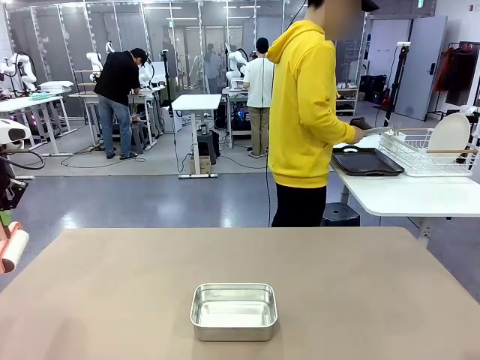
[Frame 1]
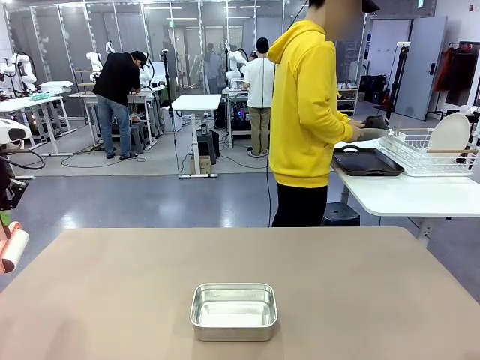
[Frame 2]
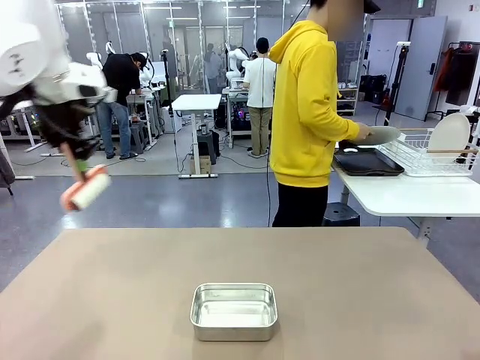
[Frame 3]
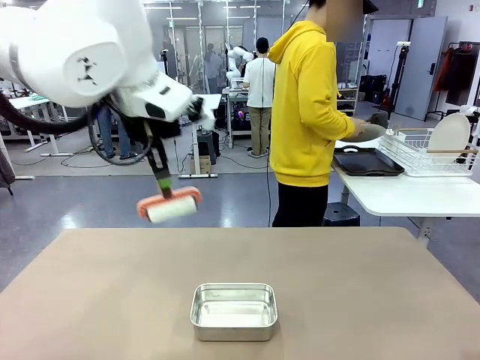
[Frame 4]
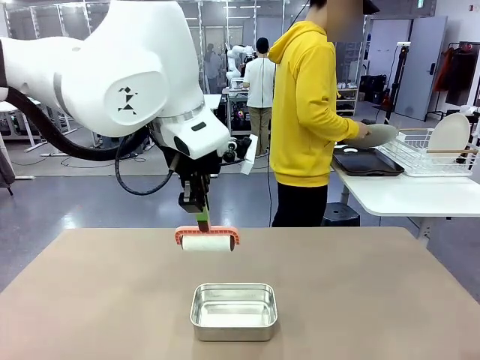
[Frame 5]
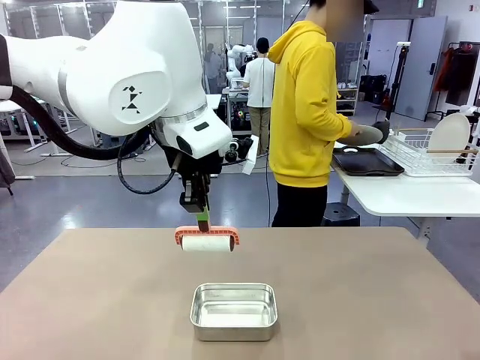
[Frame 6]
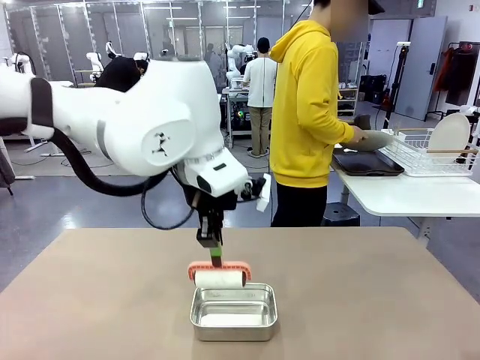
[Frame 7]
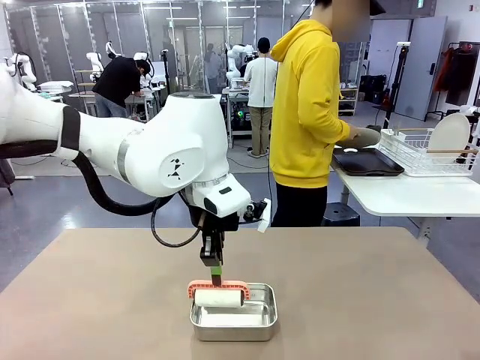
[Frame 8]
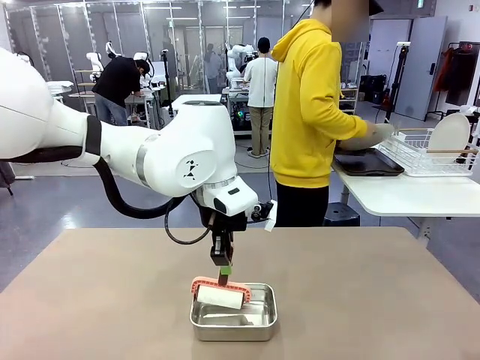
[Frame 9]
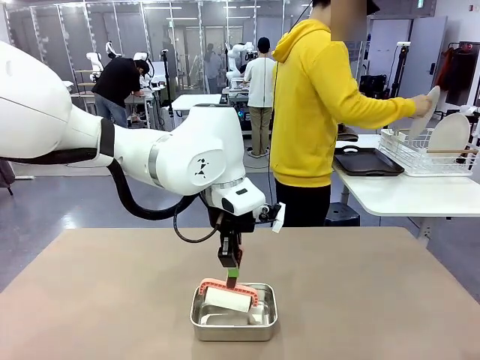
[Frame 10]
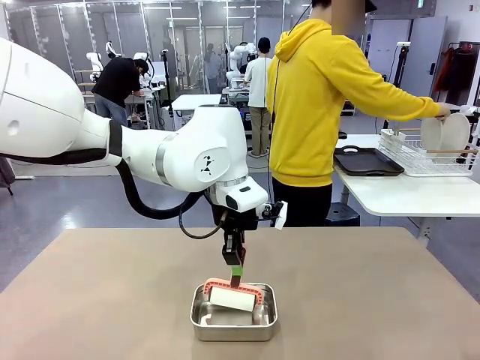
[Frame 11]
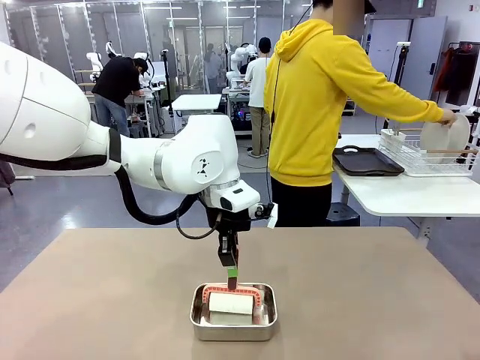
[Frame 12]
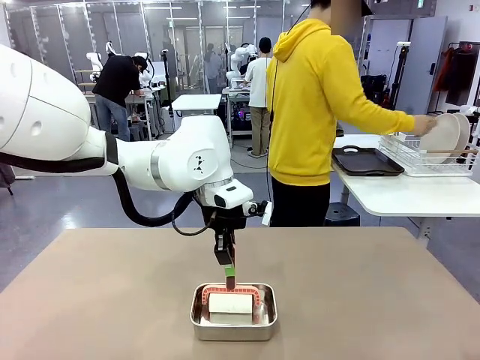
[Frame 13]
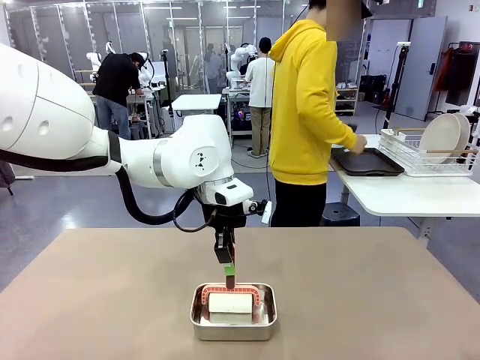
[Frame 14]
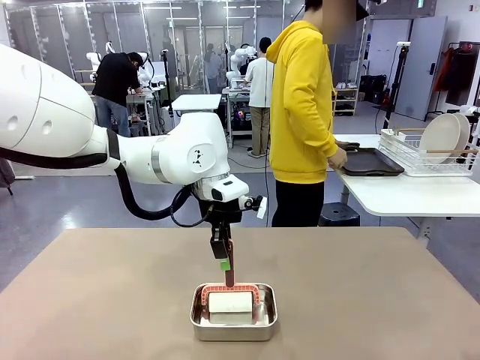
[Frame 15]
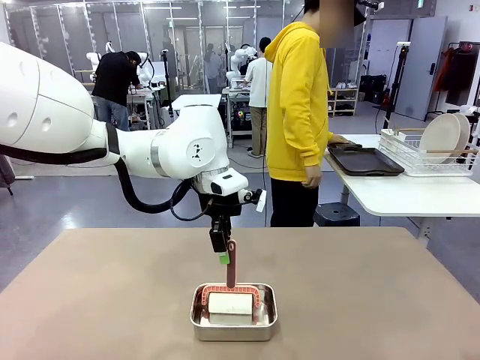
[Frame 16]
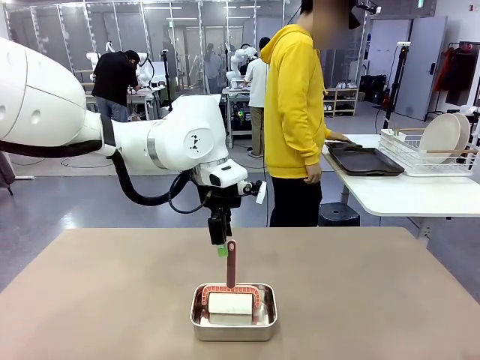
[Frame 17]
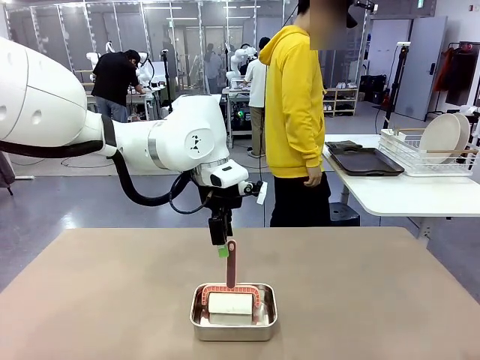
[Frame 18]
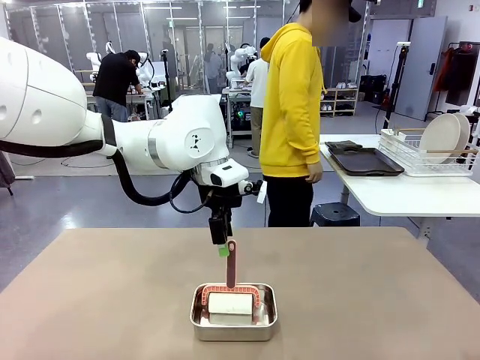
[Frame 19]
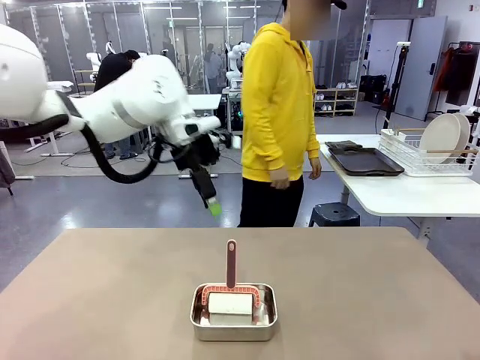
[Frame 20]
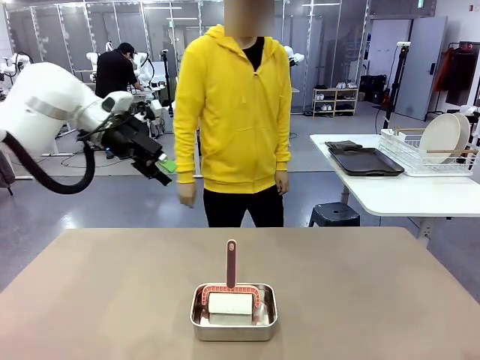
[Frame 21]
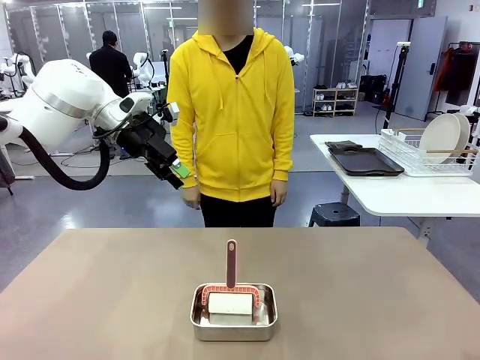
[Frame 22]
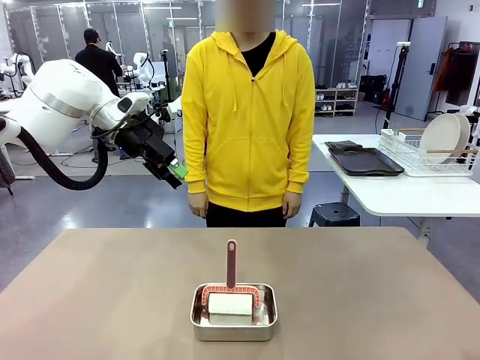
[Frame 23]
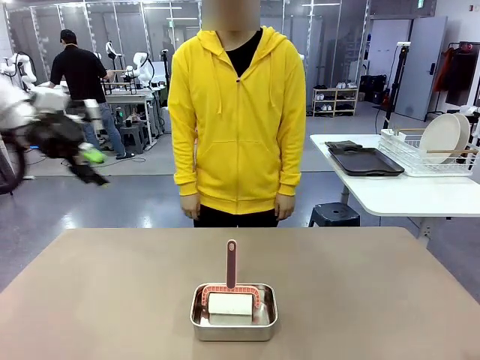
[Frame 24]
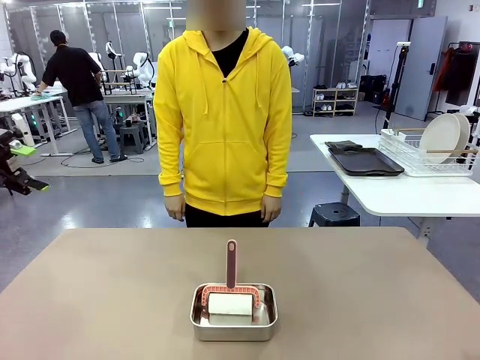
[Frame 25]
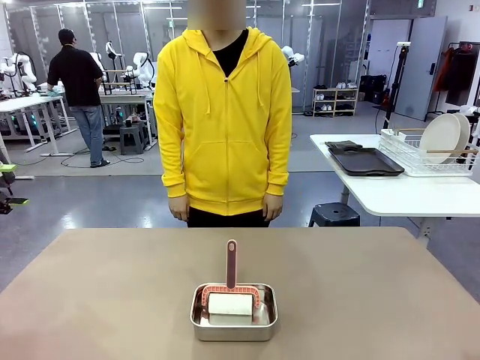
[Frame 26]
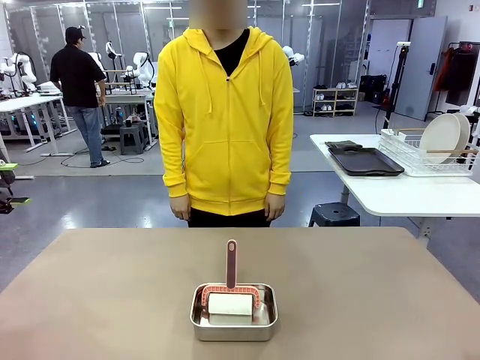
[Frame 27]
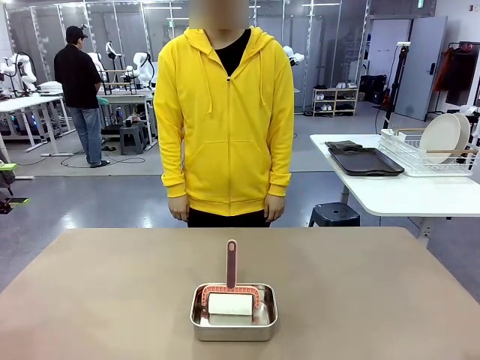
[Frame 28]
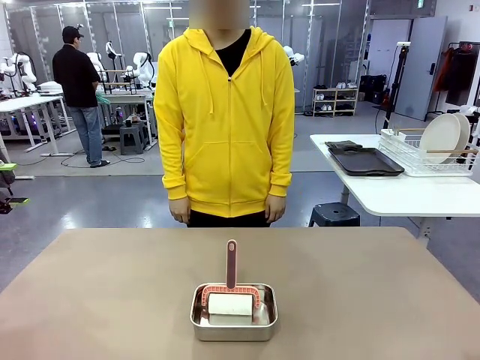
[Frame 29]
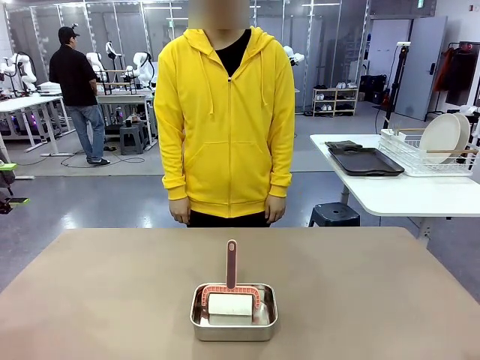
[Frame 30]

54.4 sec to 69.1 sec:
Robot: Place the Lint Roller back on top of the Airtight Container.
Person: Use the Towel with hook to wipe the Plastic Matte Plate , Fork , and Knife and place into the Dish drying rack.

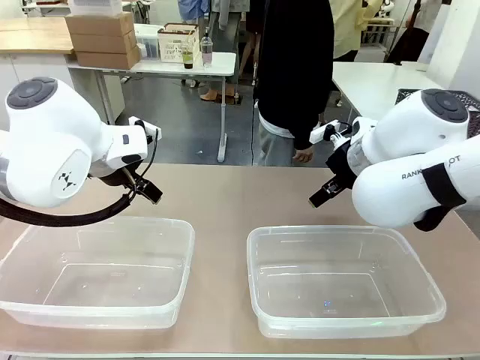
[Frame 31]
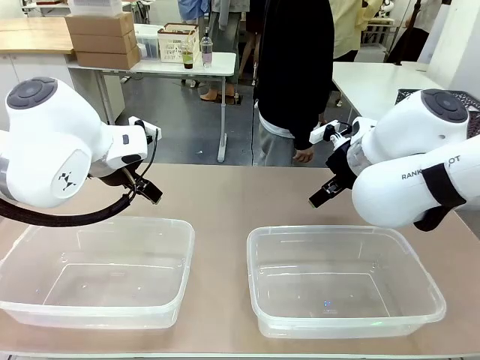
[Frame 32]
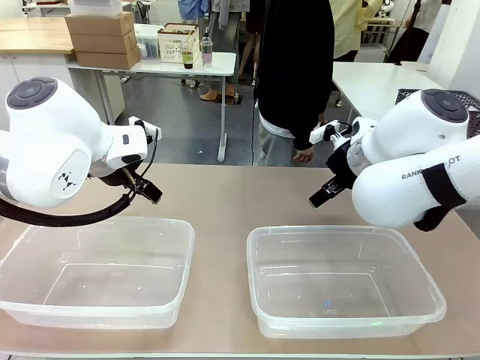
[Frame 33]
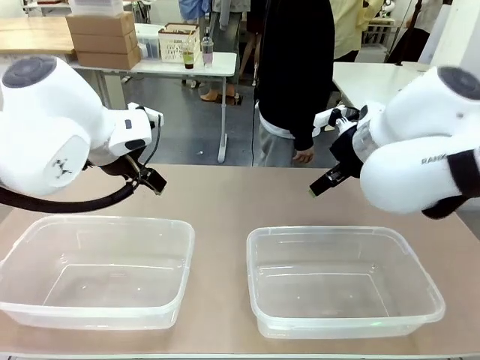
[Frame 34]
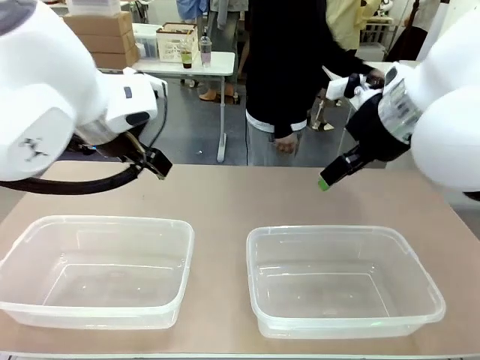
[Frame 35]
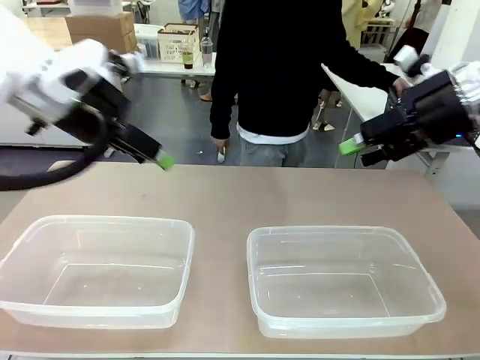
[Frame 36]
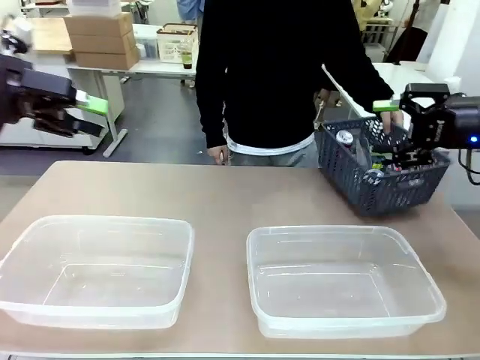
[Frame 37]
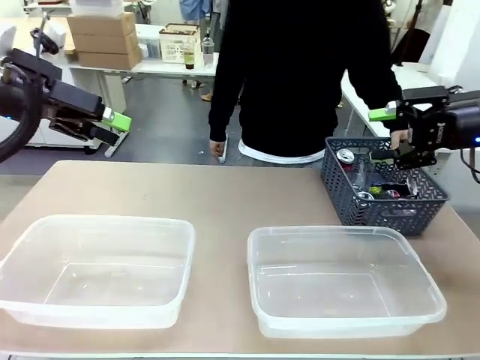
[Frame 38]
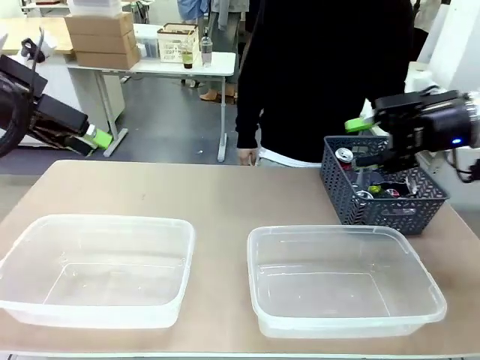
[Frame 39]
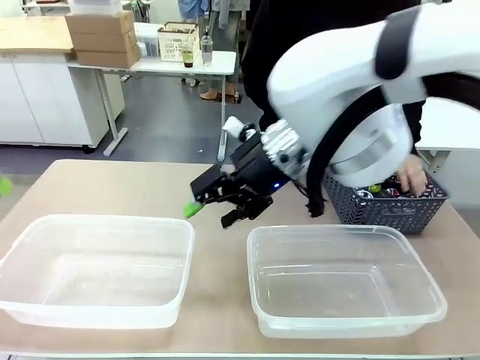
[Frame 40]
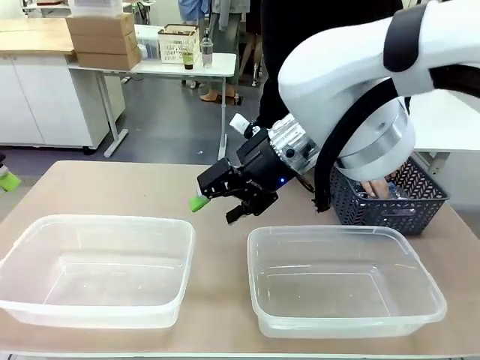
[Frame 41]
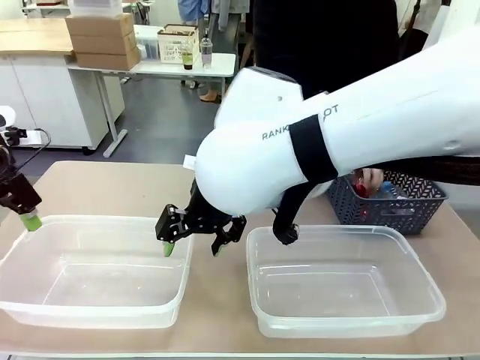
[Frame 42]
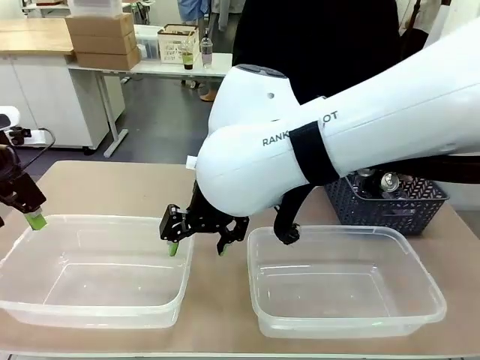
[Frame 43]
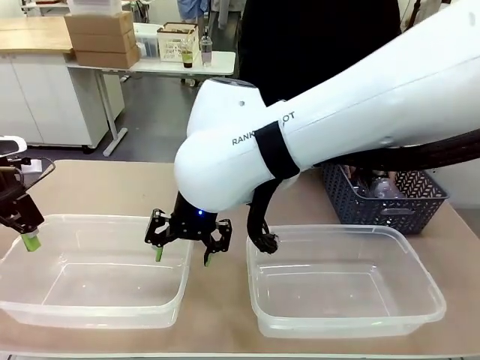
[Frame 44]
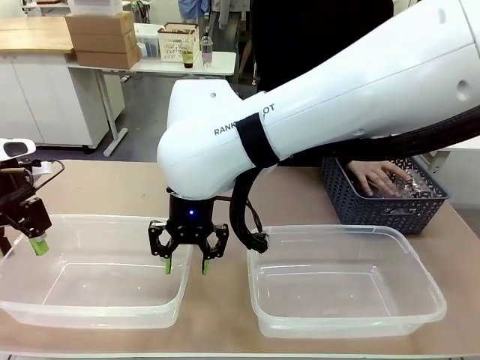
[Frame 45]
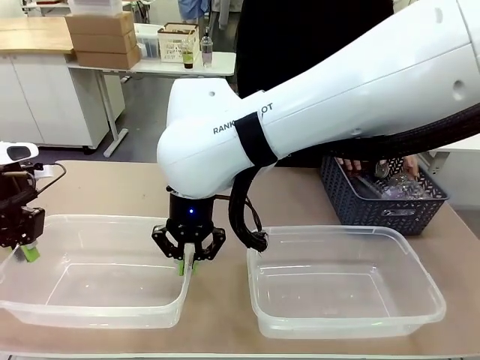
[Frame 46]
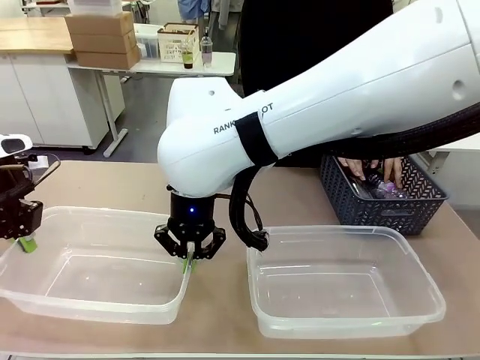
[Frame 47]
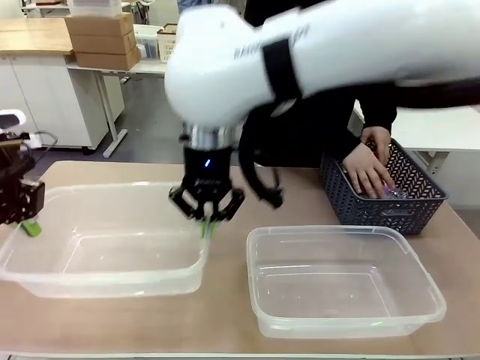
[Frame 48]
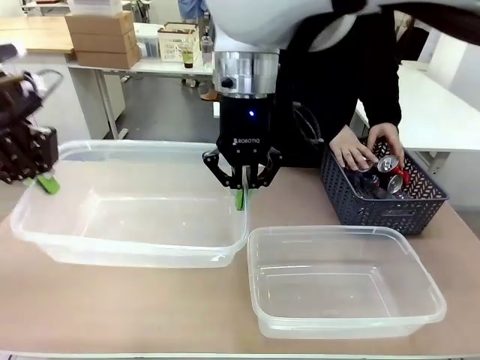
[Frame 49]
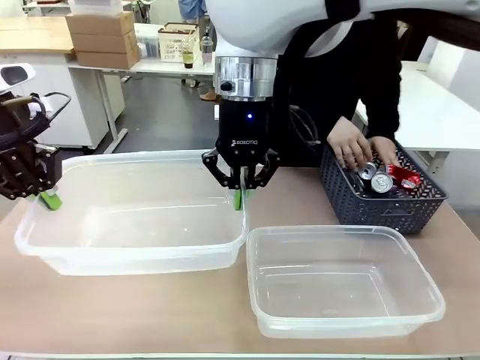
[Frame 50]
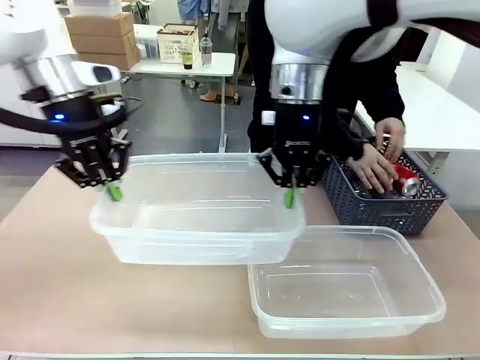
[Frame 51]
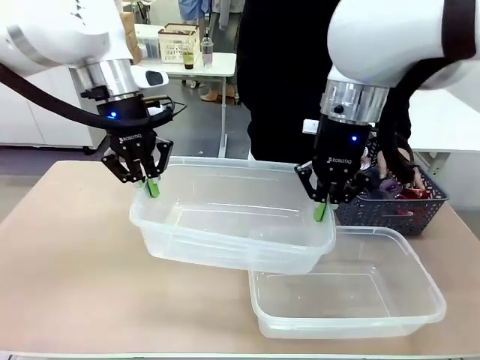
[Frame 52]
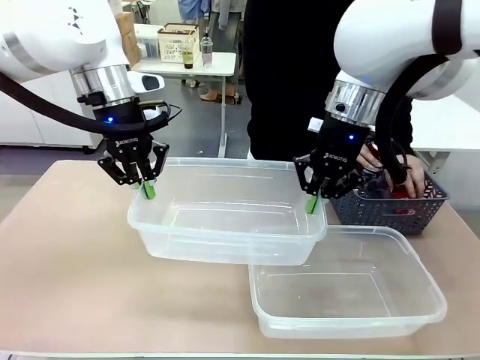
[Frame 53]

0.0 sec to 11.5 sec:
Robot: Pick up the Organizing box on the left side of the table and lift it.
Person: Pick up the storage basket and place it on the left side of the robot table. Pick up can-shaped waste one by one and place it into the organizing box lifted by the robot.
